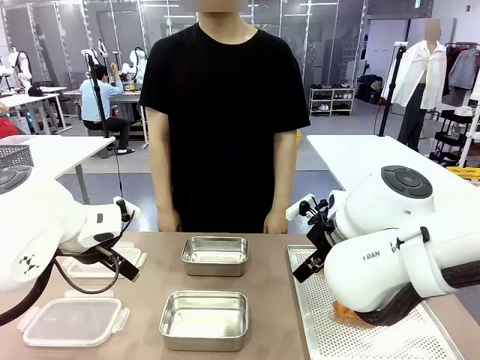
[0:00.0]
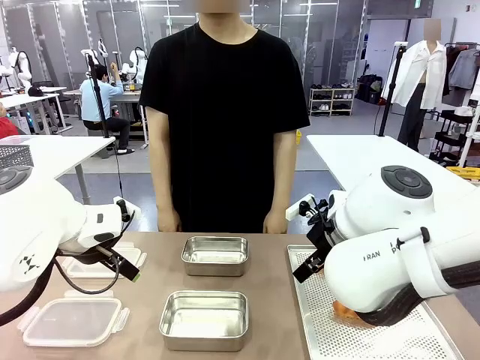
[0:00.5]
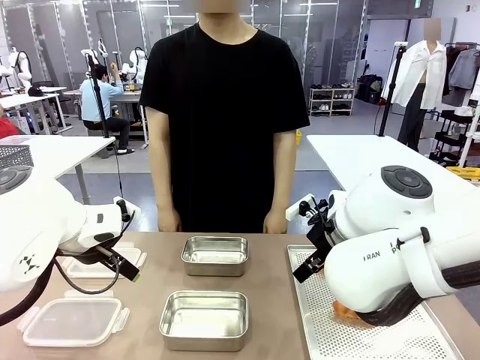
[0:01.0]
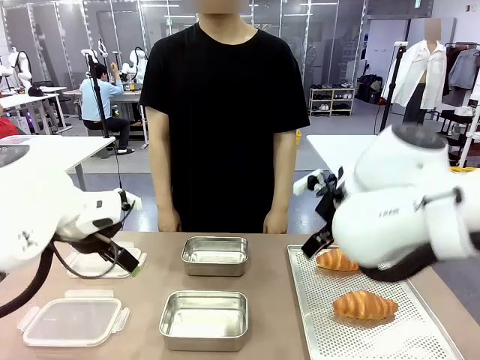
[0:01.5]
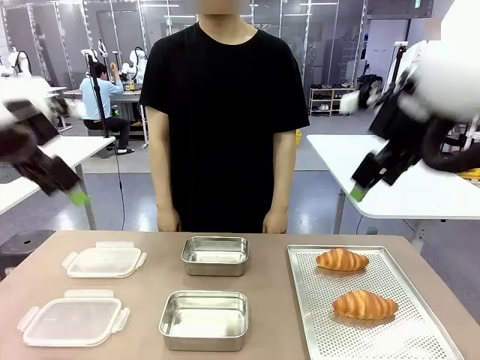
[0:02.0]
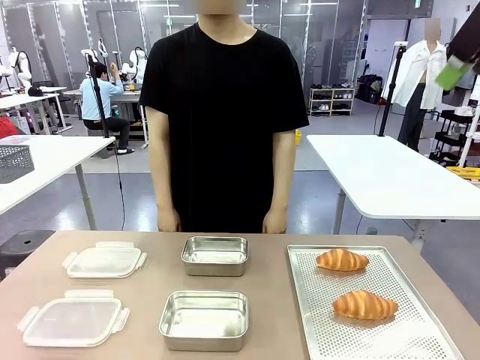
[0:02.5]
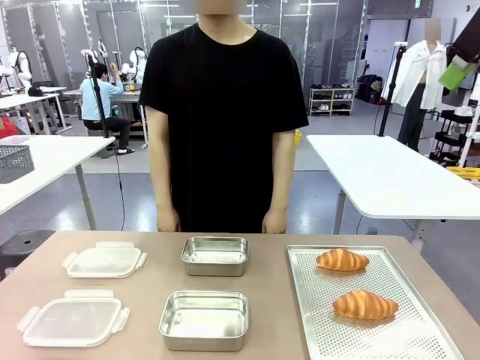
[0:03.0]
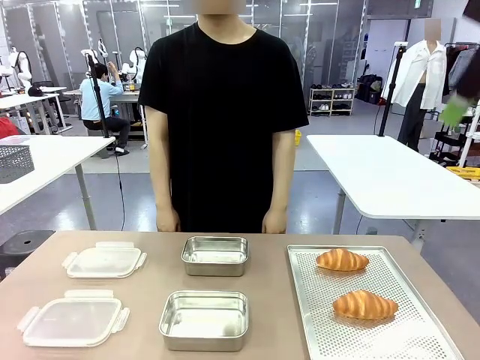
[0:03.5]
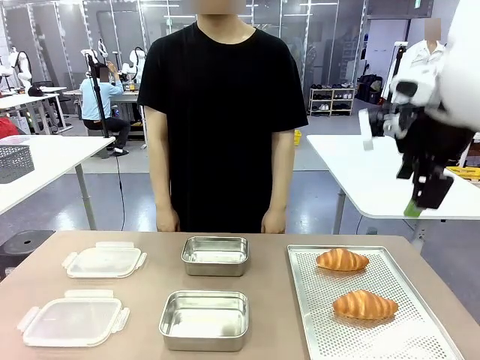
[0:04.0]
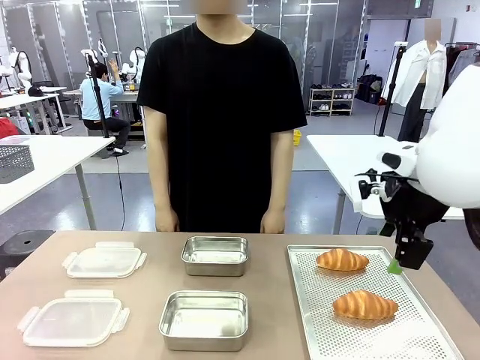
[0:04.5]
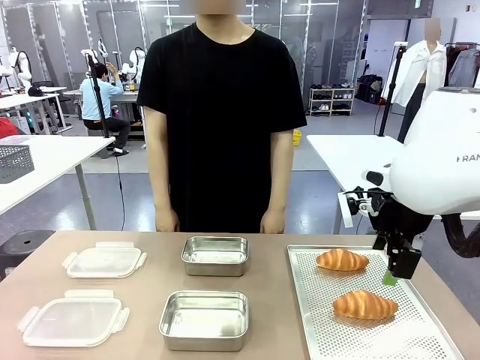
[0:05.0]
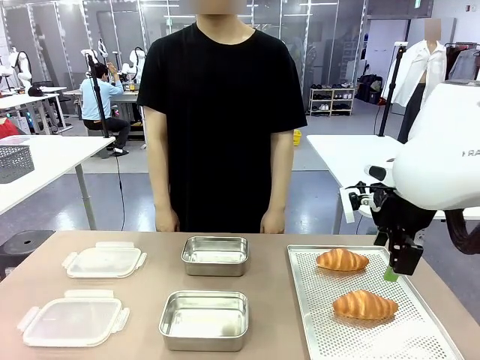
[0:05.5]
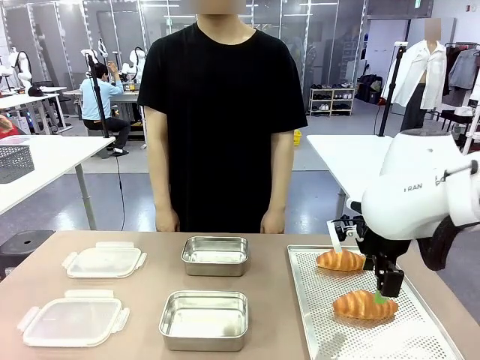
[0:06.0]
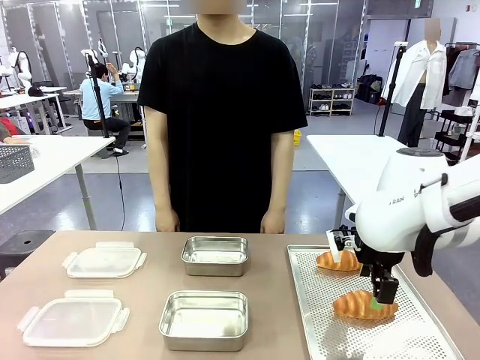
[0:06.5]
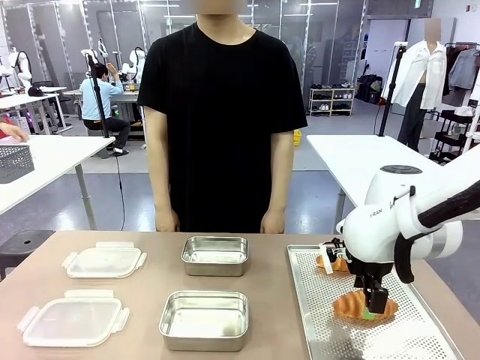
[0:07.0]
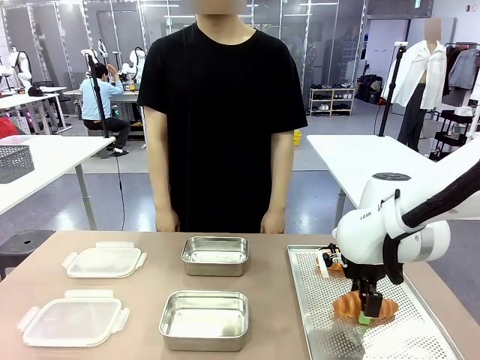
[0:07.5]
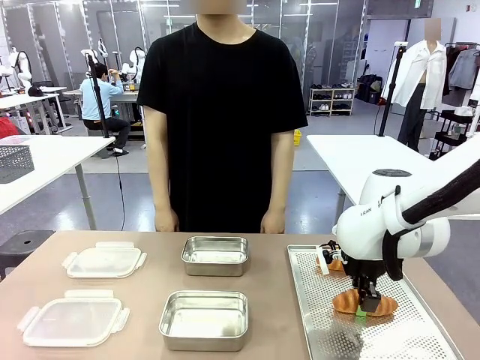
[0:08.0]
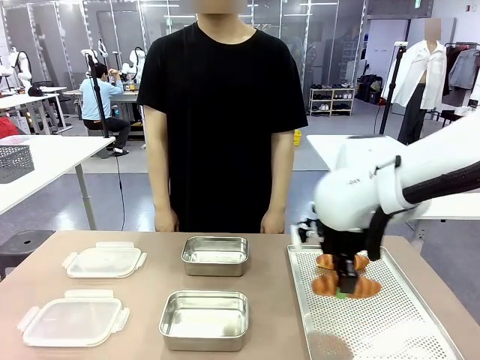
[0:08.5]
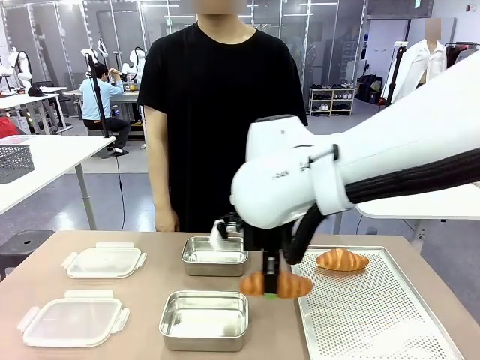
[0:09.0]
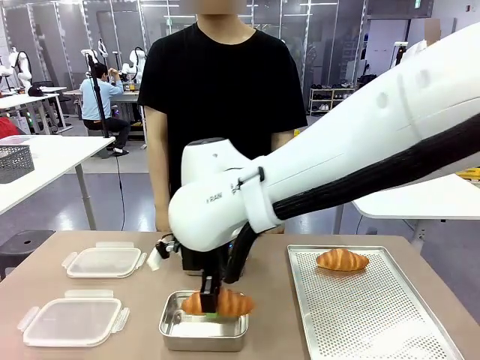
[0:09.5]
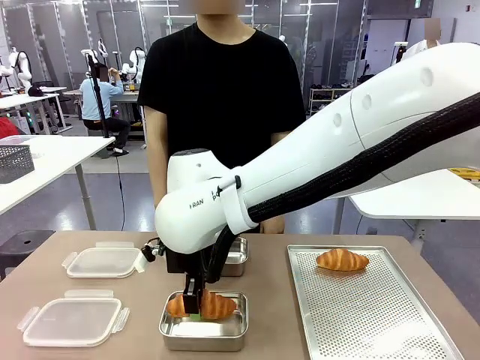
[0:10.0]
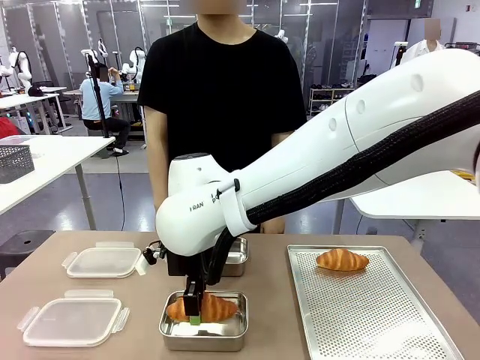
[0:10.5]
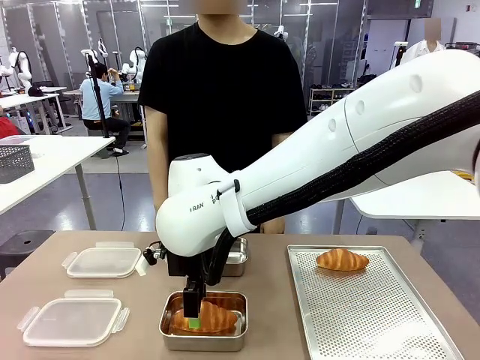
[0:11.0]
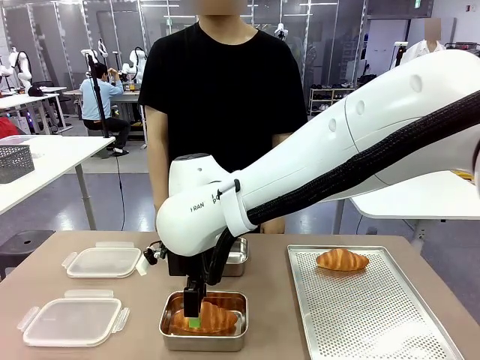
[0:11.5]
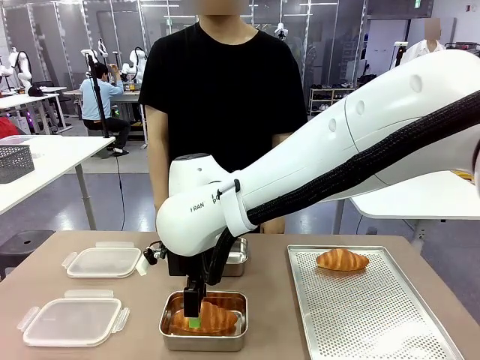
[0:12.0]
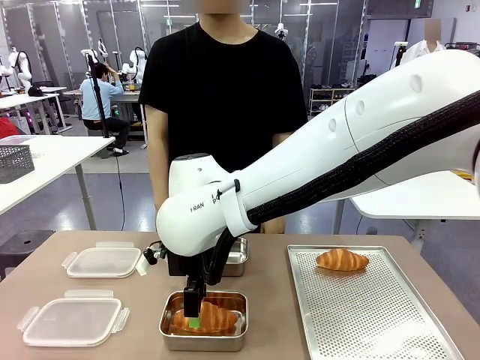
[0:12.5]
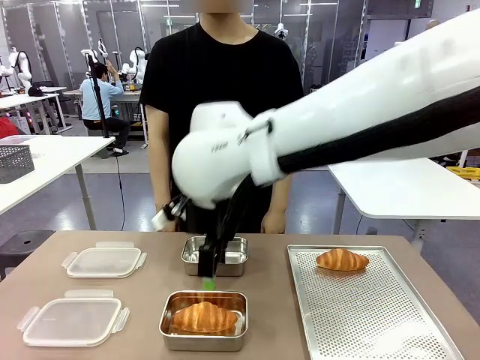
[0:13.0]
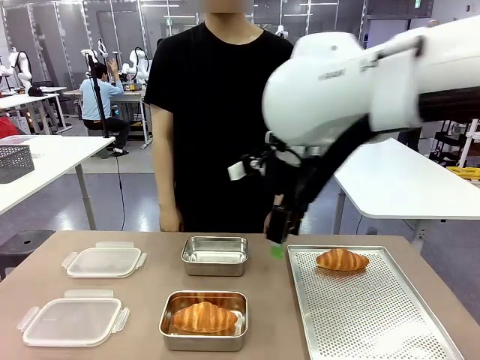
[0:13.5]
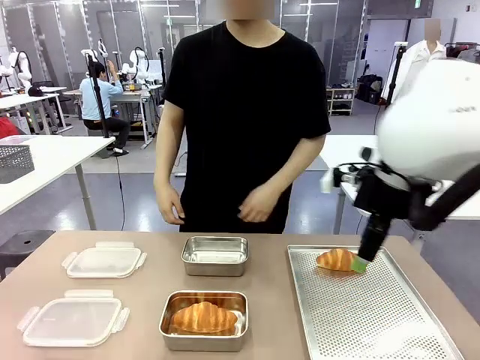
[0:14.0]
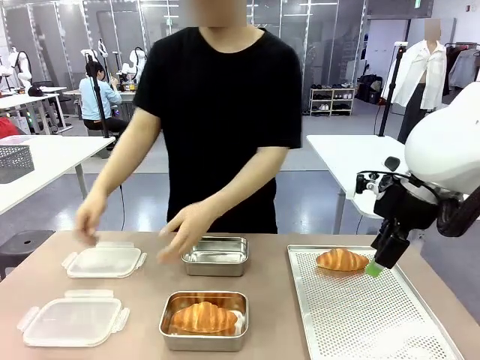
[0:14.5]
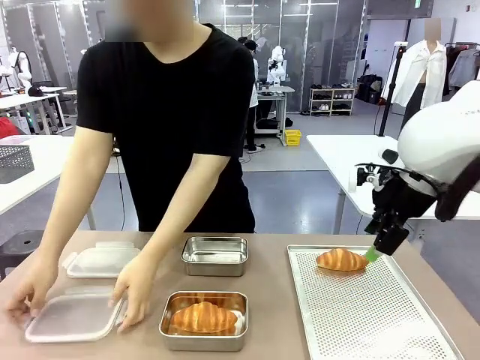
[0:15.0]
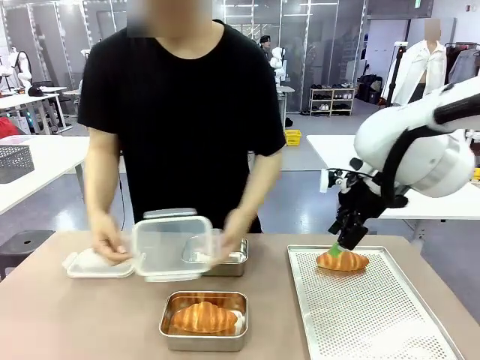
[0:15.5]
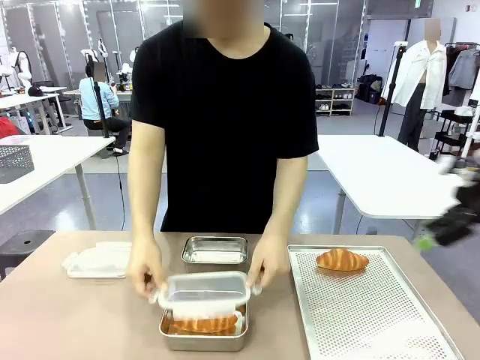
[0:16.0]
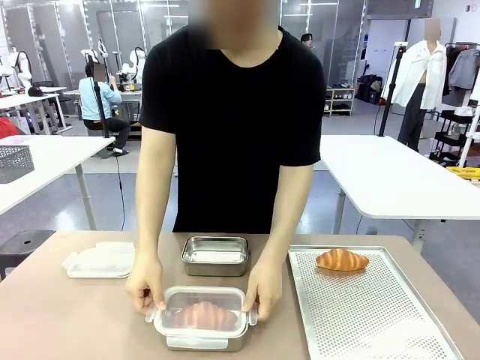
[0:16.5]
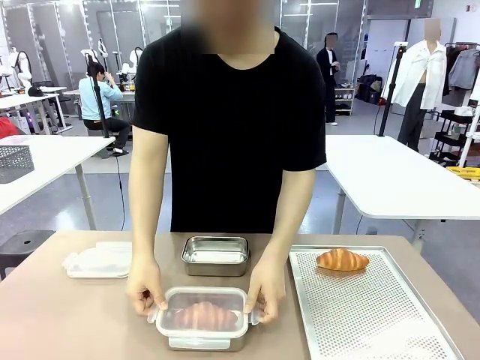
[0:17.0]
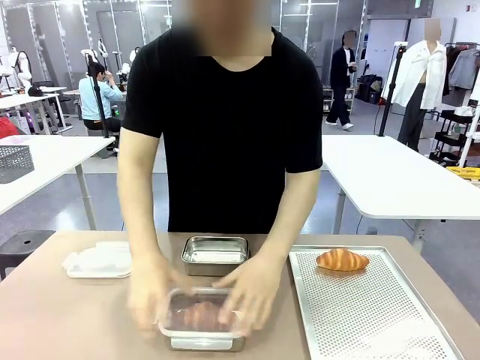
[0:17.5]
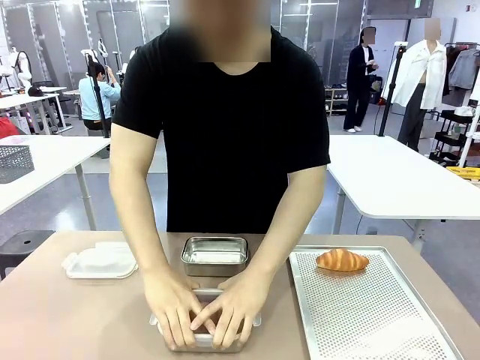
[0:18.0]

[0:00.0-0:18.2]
Task: Place the bread into the airtight container.
Robot: Pick up a Butter Roll and place it into an empty Airtight Container.
